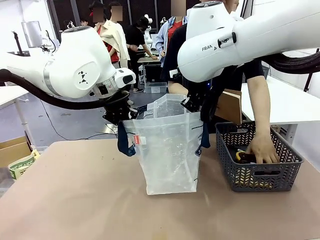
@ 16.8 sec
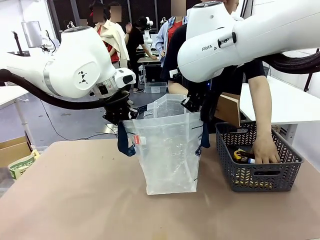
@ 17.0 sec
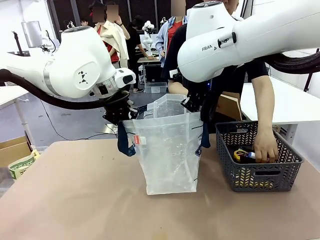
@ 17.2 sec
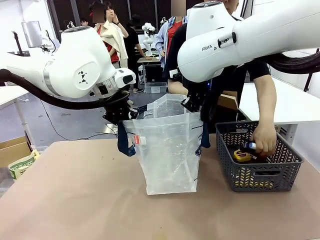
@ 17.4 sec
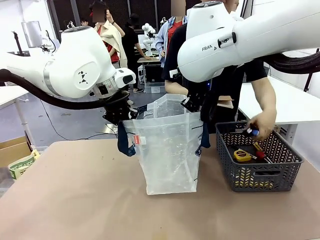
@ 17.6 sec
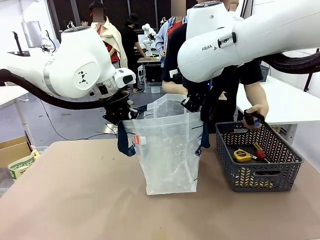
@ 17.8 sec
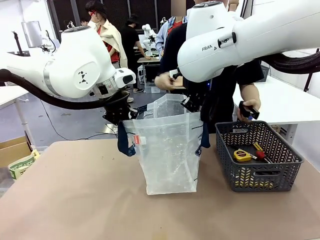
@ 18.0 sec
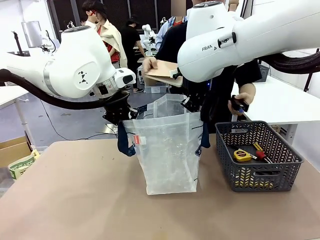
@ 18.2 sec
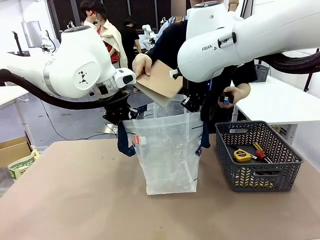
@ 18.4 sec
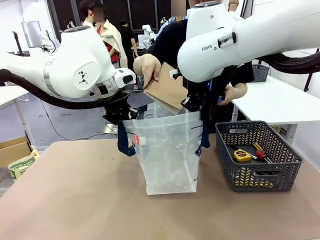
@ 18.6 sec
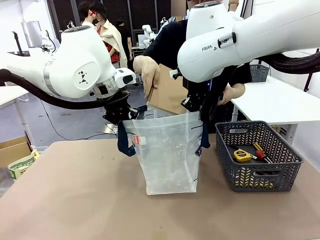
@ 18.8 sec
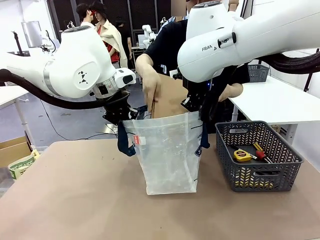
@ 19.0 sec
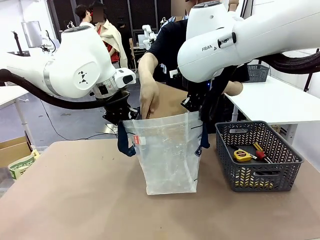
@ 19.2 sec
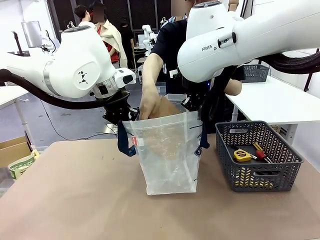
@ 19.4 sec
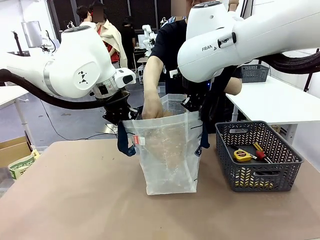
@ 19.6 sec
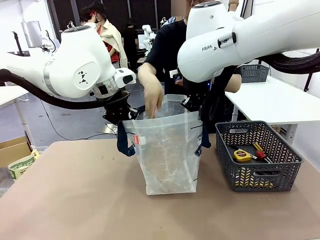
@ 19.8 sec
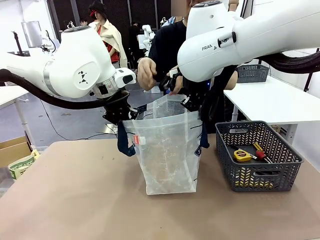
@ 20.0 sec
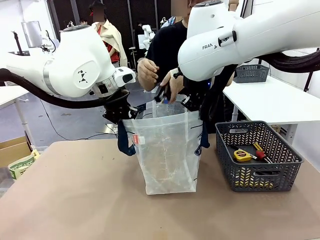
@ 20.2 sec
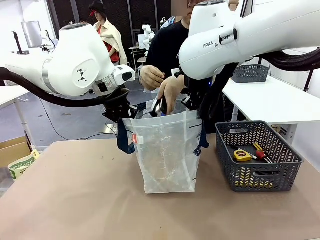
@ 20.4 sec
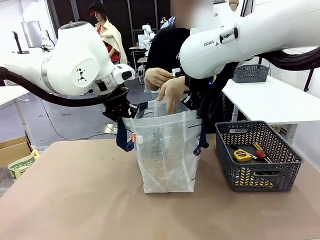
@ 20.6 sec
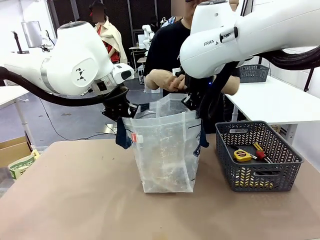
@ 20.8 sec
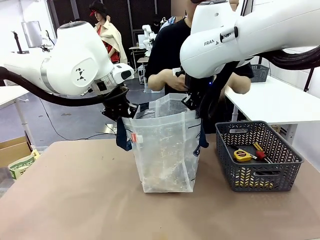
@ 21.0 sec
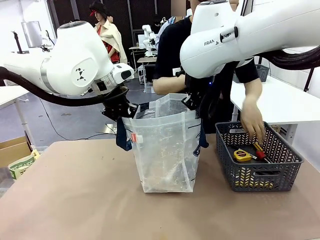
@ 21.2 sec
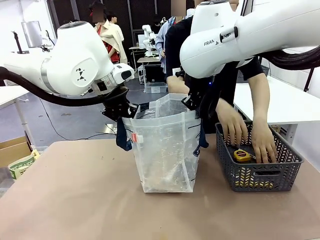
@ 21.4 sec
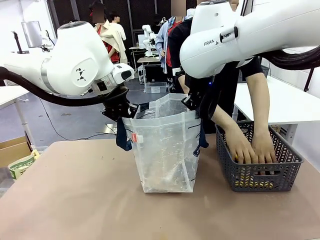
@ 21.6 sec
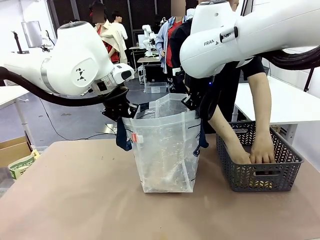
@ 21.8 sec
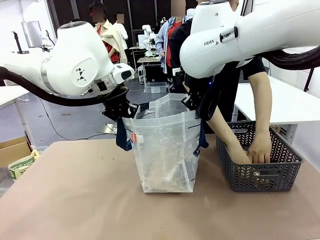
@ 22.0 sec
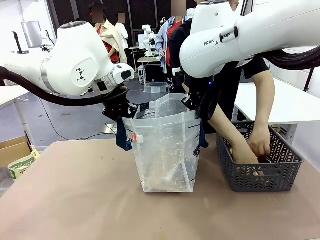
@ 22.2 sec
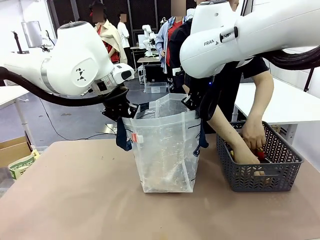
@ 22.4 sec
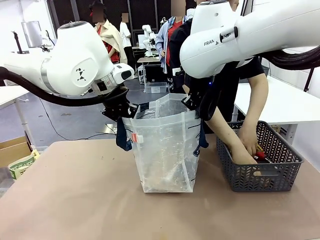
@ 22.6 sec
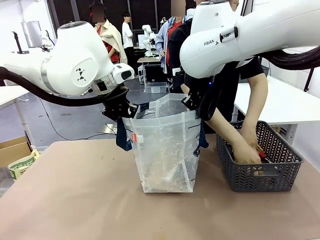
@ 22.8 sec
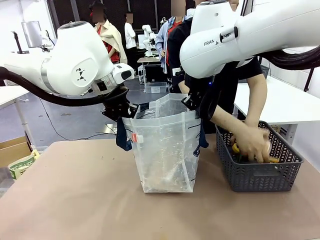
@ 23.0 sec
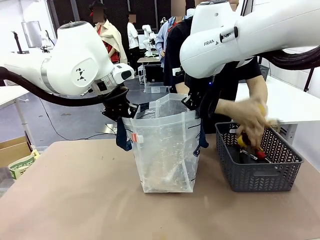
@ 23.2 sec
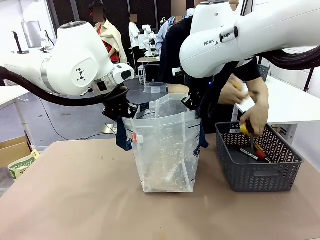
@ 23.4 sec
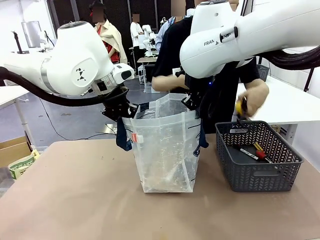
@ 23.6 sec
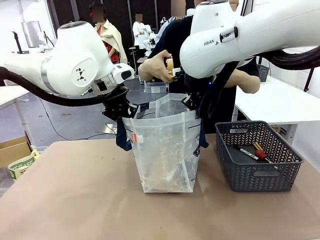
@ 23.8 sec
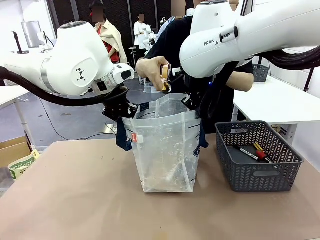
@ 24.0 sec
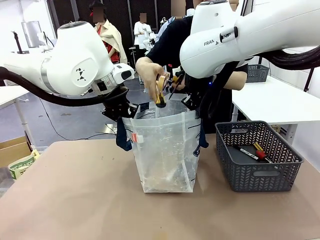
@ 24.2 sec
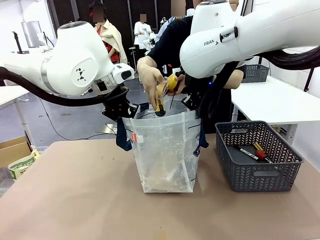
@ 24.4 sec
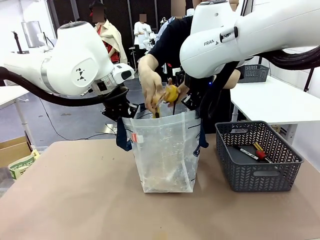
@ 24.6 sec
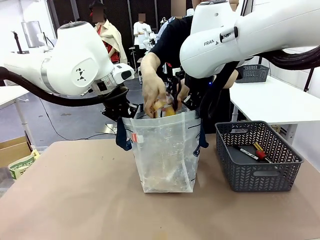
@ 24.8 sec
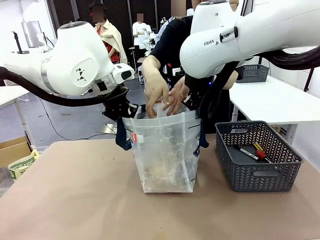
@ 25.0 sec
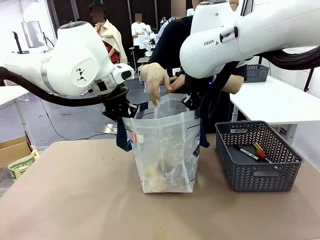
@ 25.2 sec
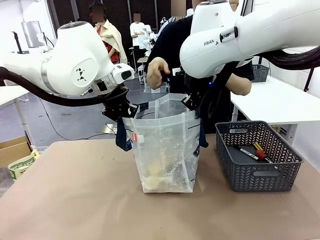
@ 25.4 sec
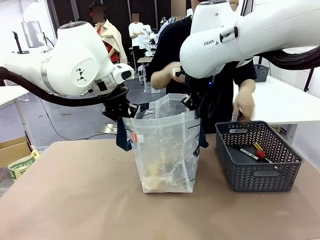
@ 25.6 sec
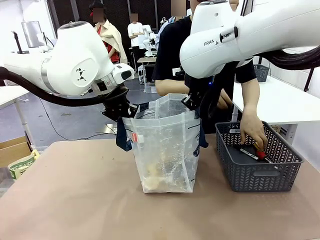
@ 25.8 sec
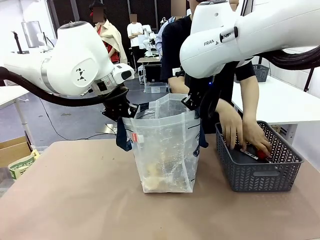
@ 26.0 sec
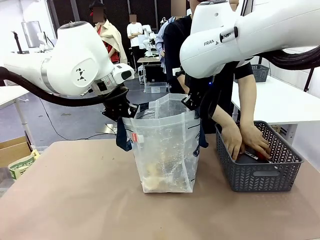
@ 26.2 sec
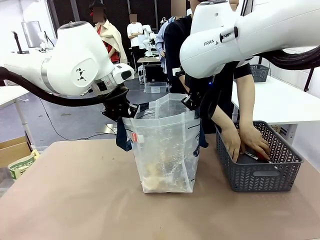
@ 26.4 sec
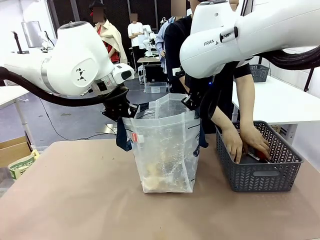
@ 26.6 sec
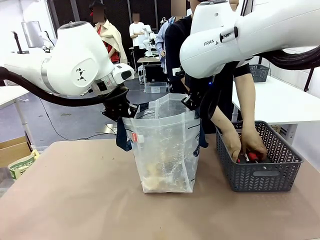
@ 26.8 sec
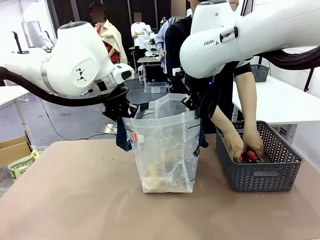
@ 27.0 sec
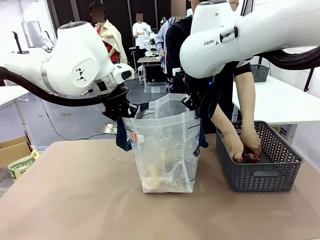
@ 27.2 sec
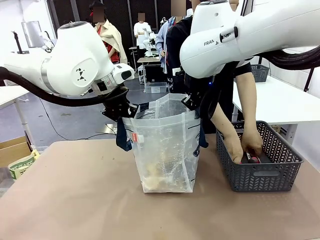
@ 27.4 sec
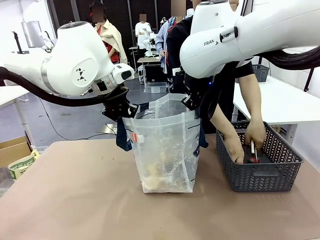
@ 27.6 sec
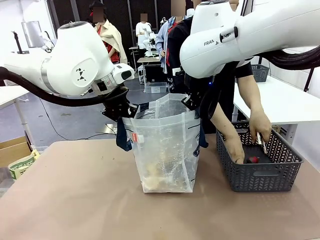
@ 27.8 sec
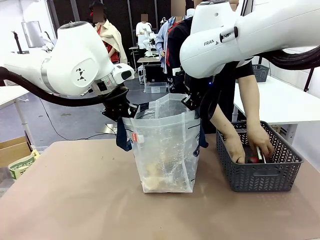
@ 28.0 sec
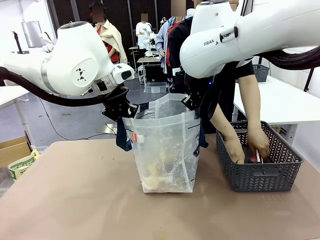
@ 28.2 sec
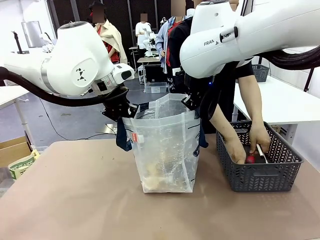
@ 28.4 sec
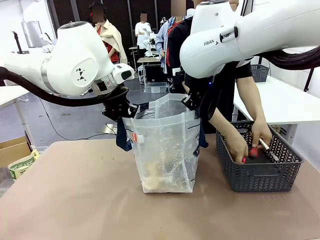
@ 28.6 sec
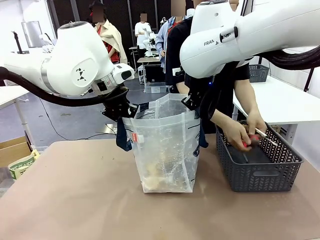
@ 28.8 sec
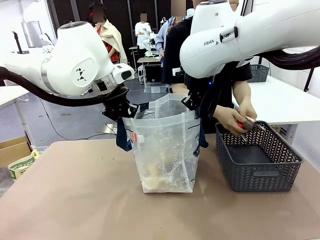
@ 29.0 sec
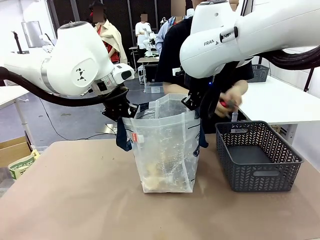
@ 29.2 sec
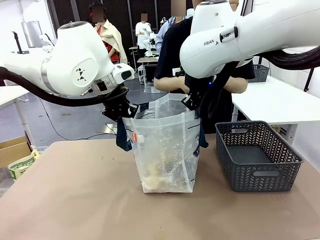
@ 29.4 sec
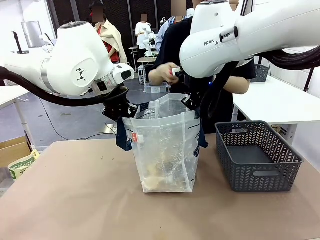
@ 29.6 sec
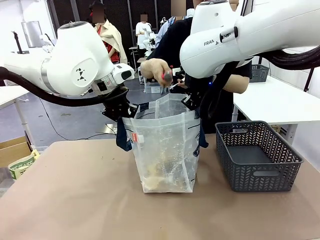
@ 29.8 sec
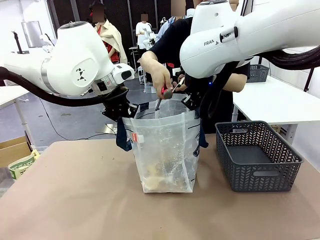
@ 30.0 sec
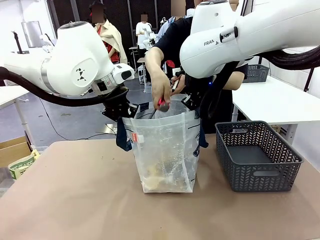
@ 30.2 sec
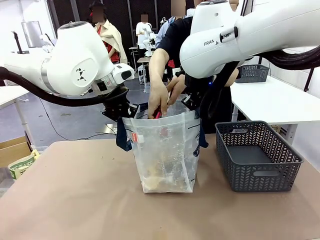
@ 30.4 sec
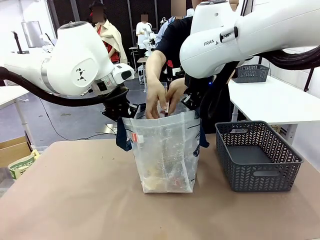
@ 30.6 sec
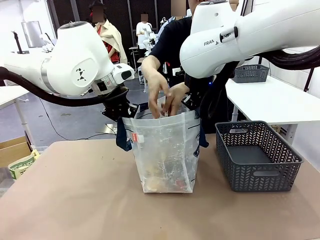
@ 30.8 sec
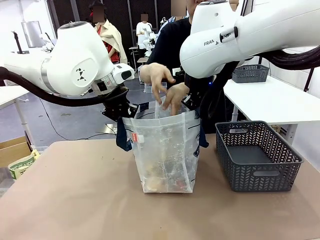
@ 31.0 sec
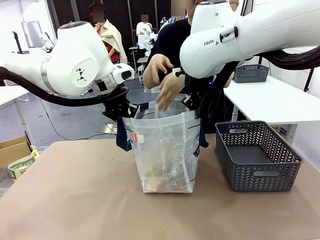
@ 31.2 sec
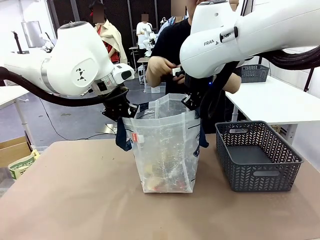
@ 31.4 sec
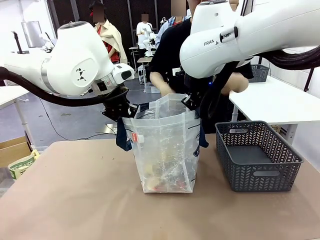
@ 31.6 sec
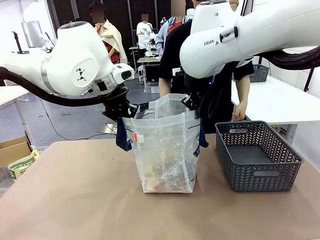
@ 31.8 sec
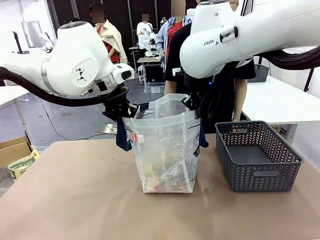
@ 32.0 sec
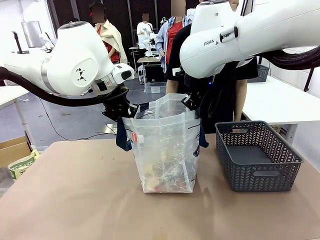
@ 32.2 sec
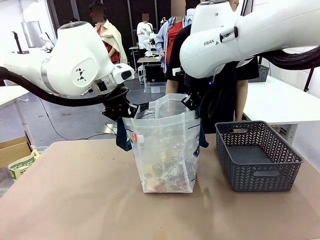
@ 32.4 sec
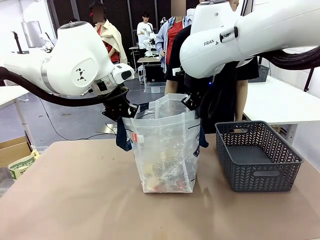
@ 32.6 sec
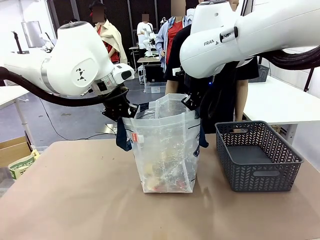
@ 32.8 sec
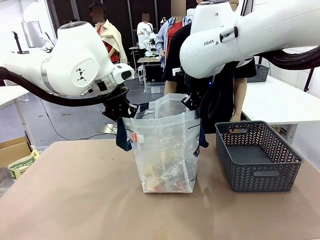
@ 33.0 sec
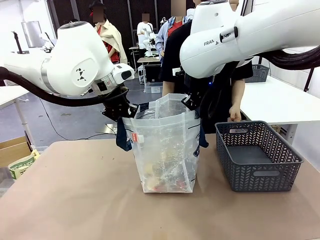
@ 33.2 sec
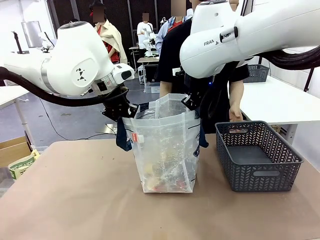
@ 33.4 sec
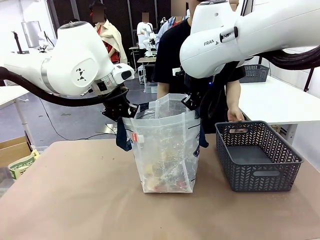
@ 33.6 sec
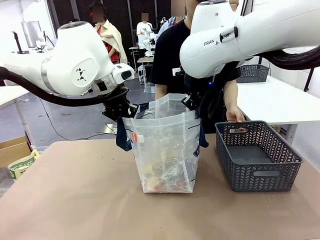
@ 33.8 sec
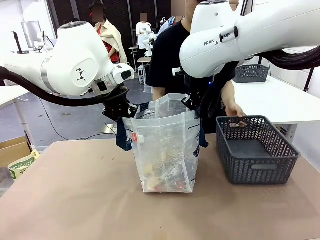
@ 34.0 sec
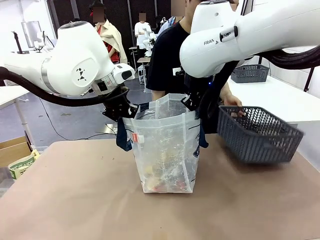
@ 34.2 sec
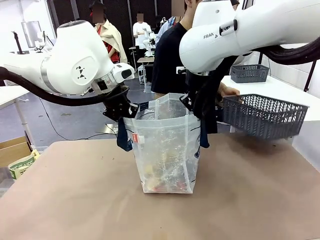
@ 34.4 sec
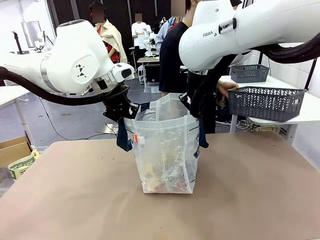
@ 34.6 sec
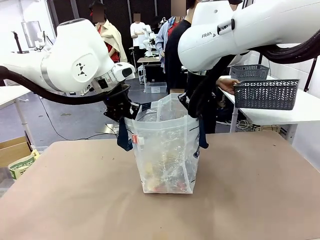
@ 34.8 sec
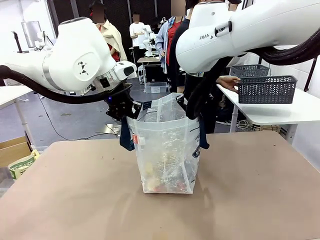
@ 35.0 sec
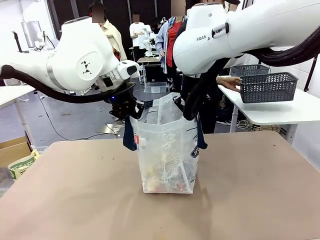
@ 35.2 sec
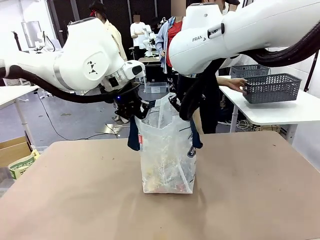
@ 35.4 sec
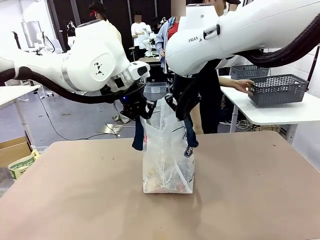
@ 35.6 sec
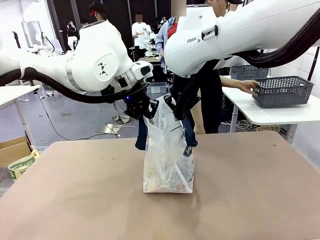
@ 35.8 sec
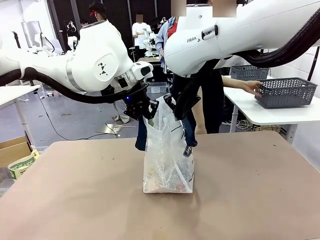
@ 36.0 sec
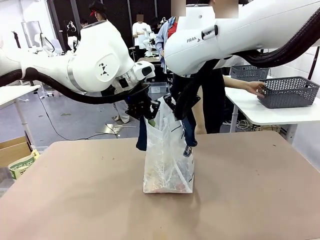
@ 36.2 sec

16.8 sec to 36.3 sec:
Task: Transfer purchased items from the store into the shopping bag.
Robot: Move the Reusable shopping bag to the right side of the table.
Person: Pick up the basket on the right, place it on the left side of the robot table, and move the items in the basket to the shopping bag. Pick up the basket with the items out and place it on the right side of the human table.
